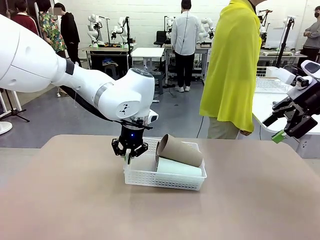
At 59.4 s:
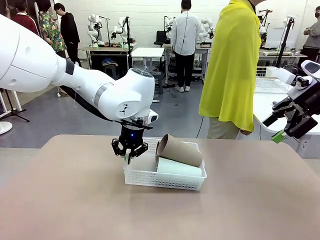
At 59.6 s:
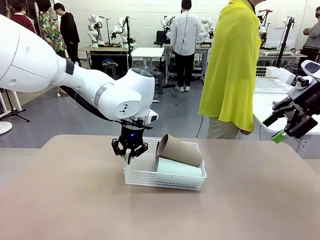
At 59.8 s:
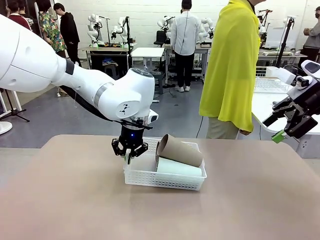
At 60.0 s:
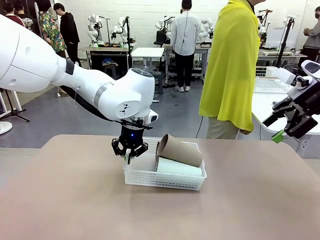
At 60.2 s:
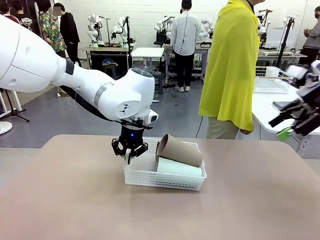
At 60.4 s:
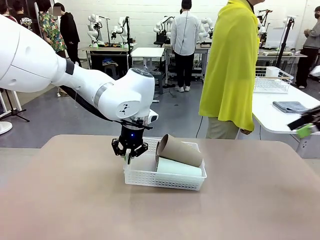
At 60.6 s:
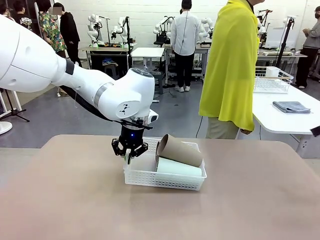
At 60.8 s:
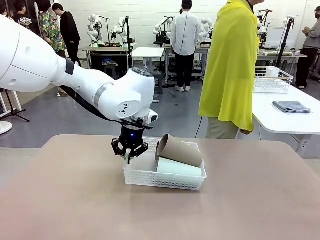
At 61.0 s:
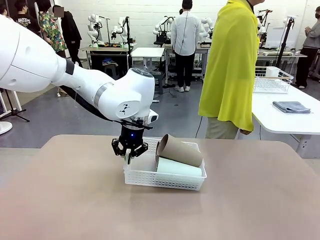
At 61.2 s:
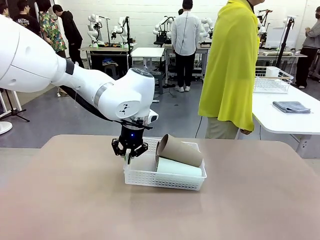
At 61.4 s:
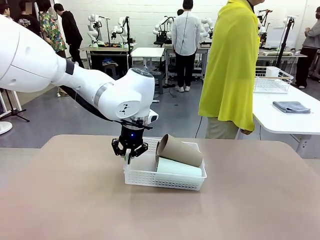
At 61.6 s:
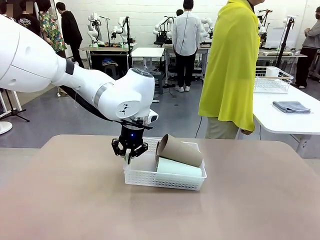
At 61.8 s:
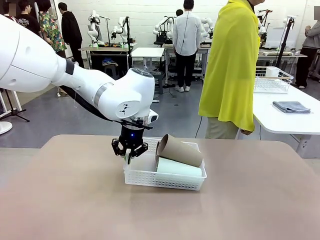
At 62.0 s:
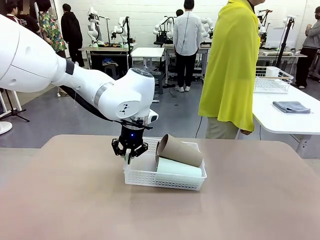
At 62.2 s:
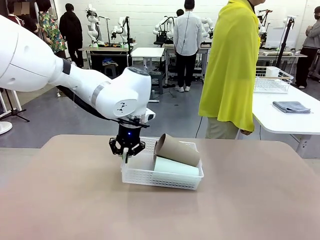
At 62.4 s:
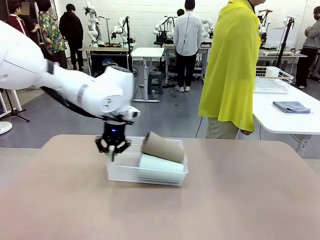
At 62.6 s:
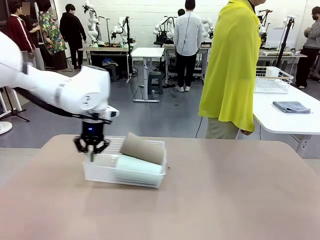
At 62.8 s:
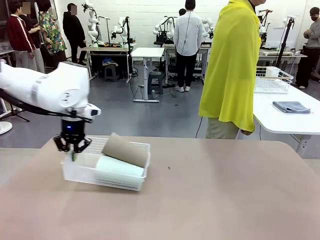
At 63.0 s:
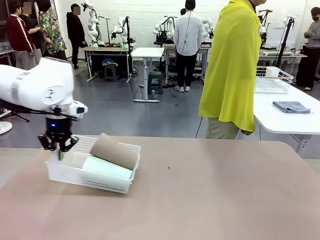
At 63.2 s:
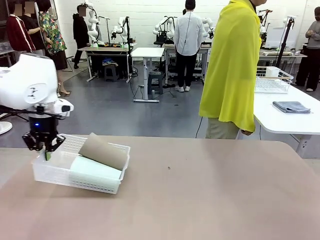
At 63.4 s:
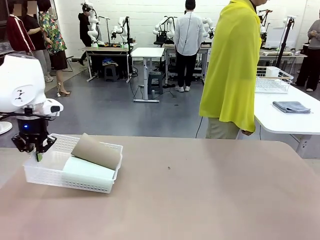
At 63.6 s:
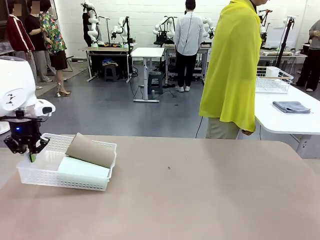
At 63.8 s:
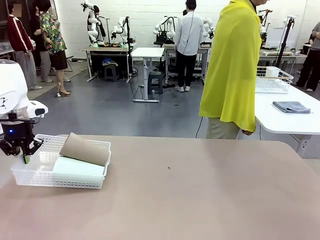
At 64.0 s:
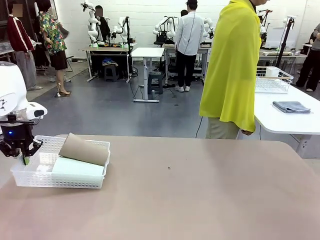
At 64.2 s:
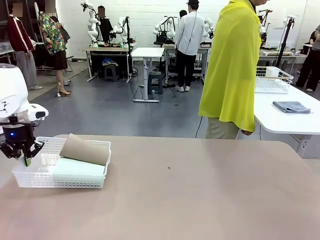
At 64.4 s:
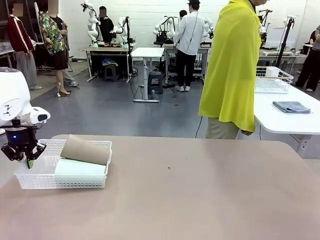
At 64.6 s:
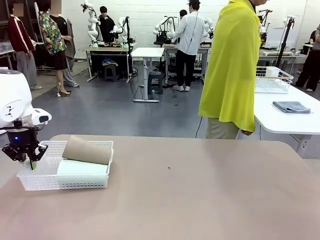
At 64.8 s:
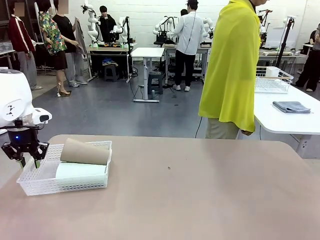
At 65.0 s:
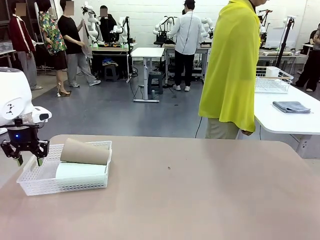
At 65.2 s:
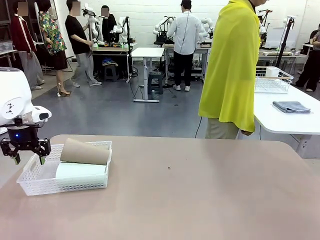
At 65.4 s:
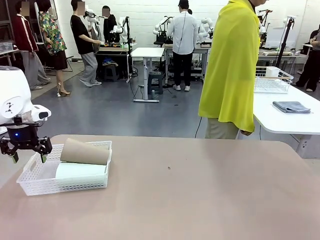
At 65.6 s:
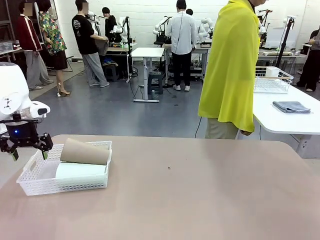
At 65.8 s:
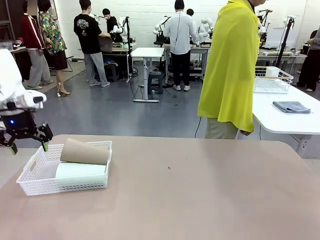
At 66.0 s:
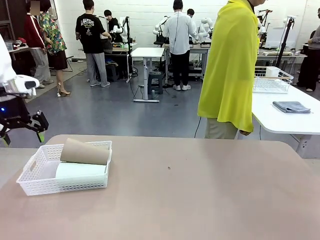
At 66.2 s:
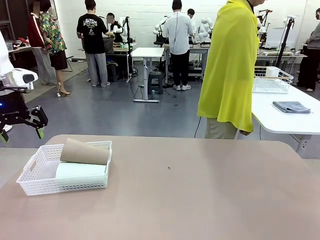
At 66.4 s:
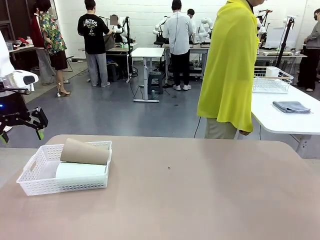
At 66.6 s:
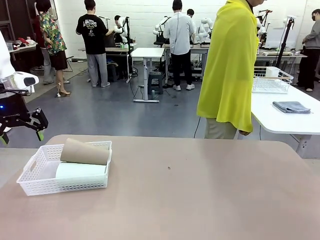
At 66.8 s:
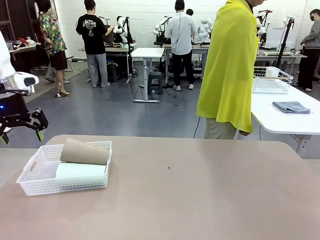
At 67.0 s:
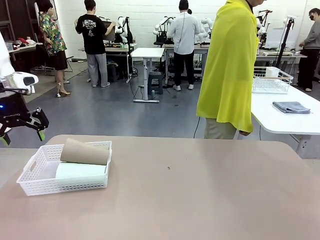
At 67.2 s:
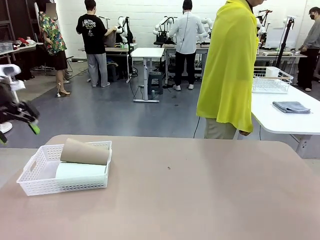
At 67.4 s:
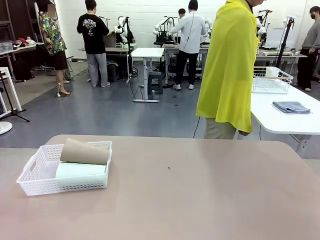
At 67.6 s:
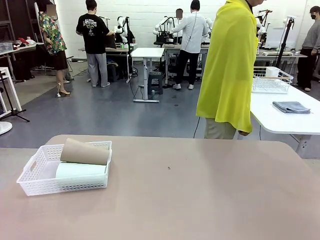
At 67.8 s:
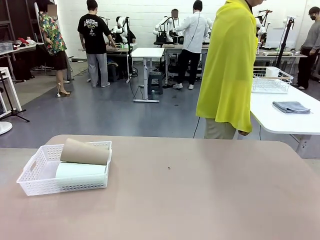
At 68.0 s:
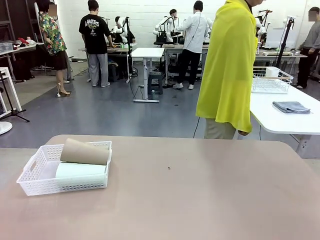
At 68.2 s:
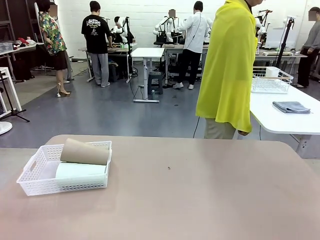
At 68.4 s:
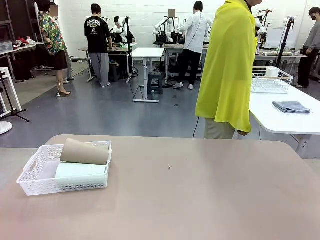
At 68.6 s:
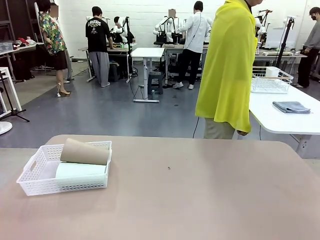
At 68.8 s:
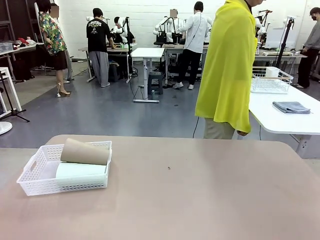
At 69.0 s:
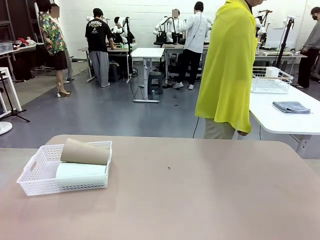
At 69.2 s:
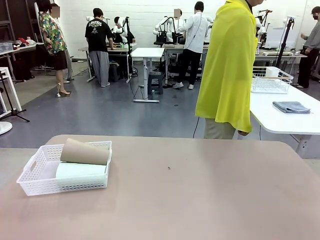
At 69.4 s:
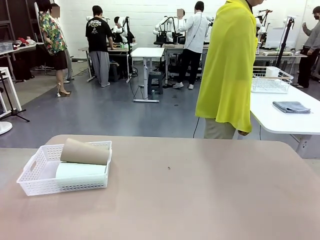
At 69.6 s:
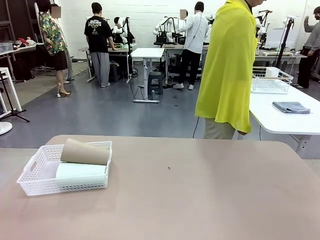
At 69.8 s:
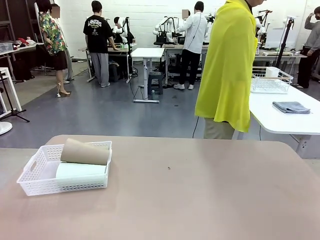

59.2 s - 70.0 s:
Task: Clean and organize the cups into the basket.
Robot: Move the Organizing basket back to the left side of the table.

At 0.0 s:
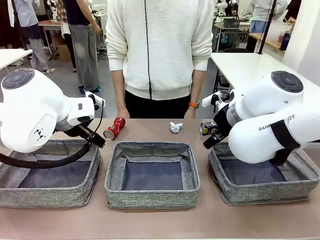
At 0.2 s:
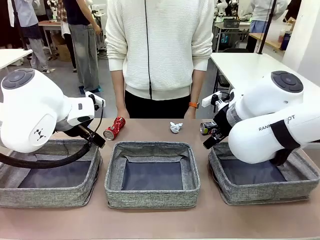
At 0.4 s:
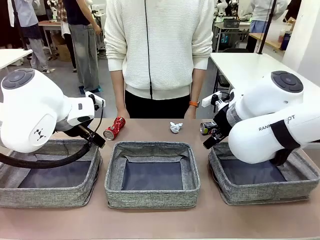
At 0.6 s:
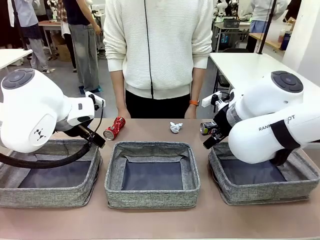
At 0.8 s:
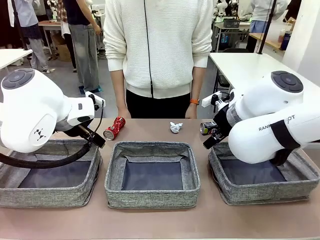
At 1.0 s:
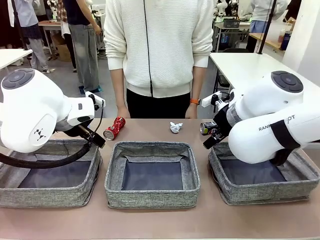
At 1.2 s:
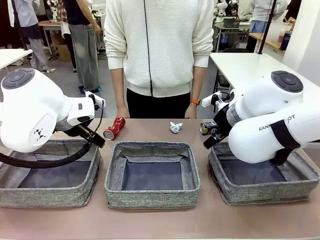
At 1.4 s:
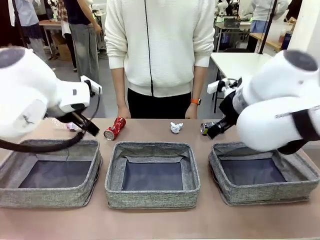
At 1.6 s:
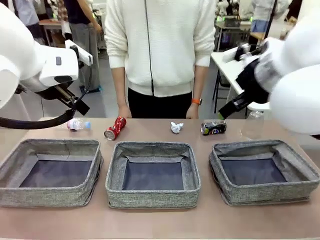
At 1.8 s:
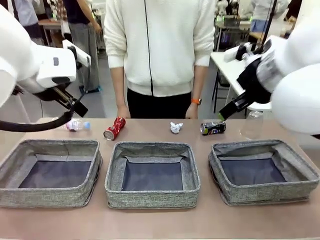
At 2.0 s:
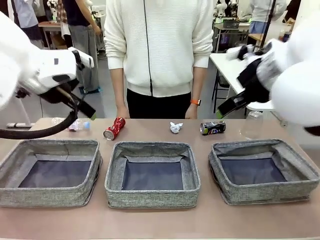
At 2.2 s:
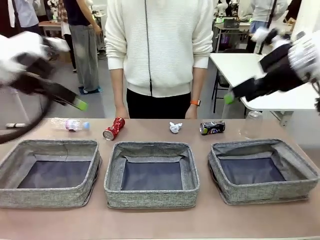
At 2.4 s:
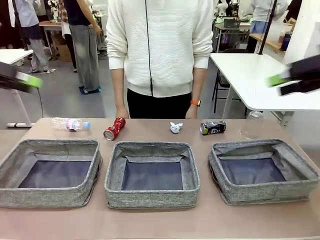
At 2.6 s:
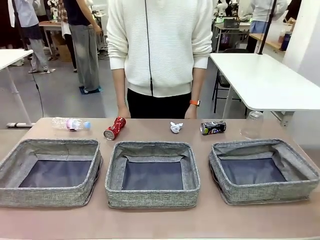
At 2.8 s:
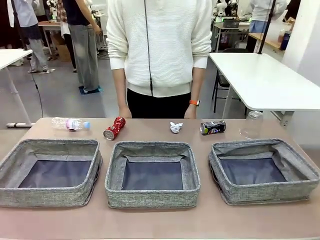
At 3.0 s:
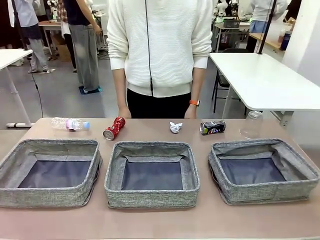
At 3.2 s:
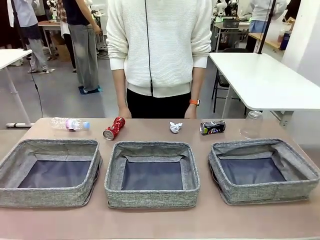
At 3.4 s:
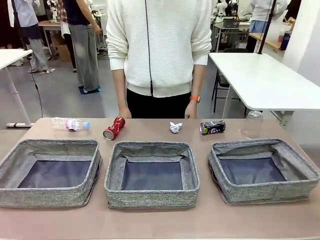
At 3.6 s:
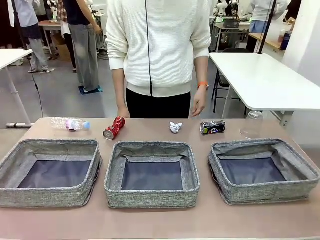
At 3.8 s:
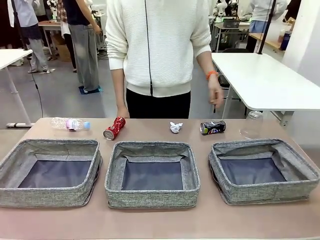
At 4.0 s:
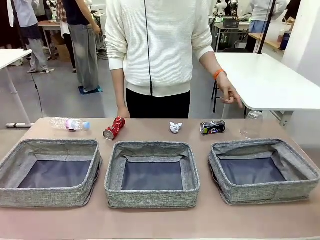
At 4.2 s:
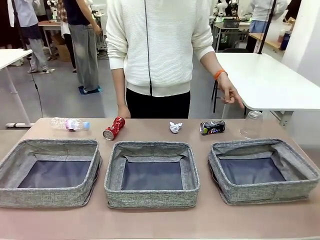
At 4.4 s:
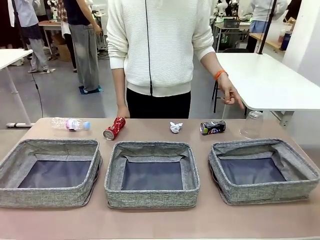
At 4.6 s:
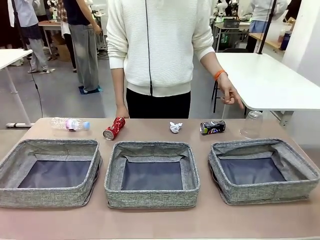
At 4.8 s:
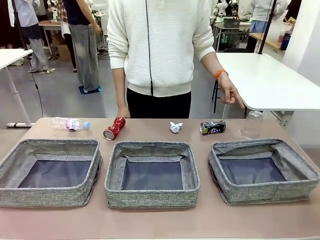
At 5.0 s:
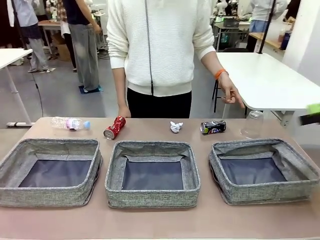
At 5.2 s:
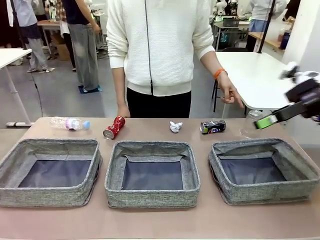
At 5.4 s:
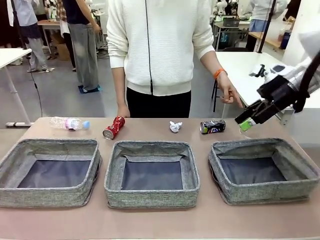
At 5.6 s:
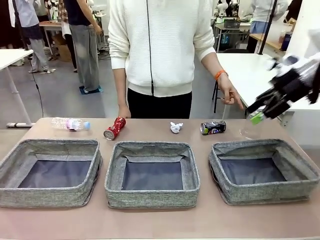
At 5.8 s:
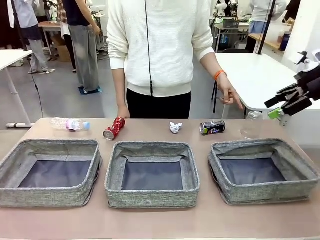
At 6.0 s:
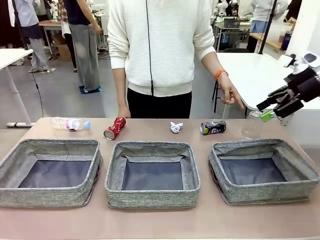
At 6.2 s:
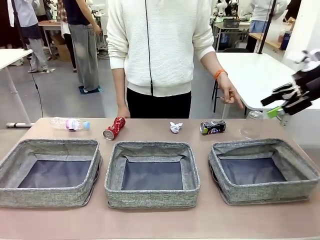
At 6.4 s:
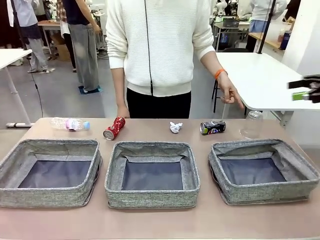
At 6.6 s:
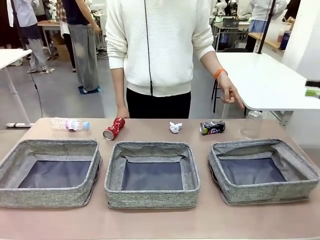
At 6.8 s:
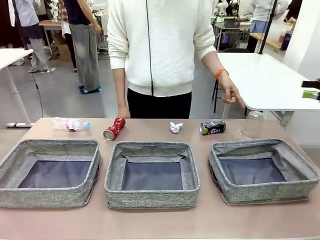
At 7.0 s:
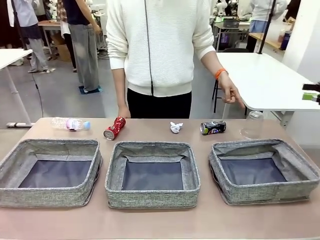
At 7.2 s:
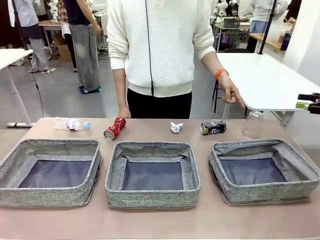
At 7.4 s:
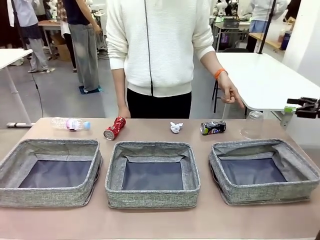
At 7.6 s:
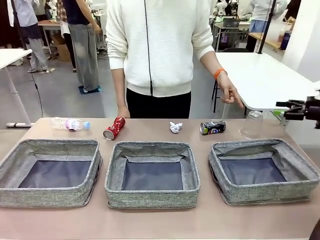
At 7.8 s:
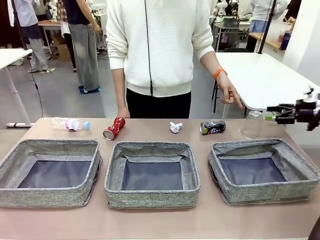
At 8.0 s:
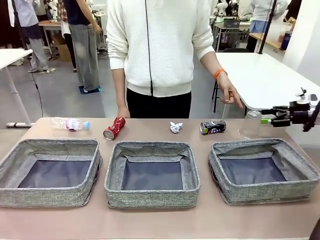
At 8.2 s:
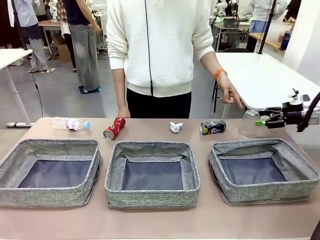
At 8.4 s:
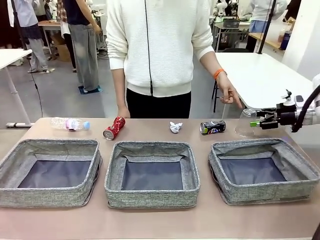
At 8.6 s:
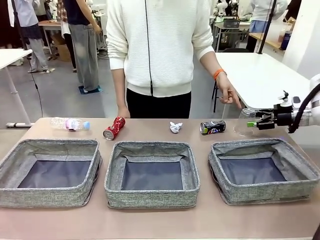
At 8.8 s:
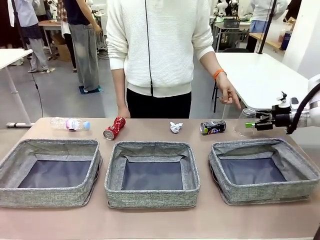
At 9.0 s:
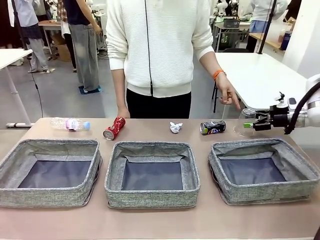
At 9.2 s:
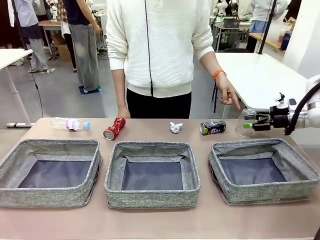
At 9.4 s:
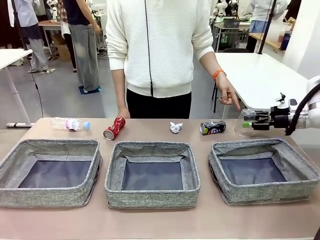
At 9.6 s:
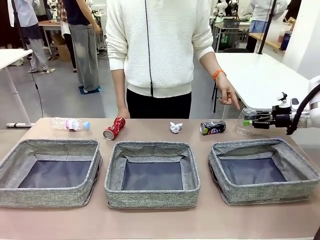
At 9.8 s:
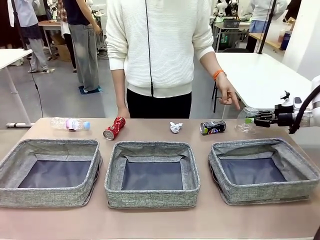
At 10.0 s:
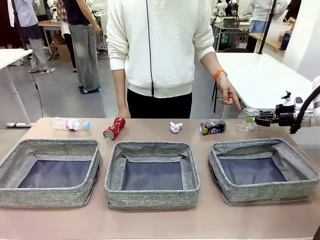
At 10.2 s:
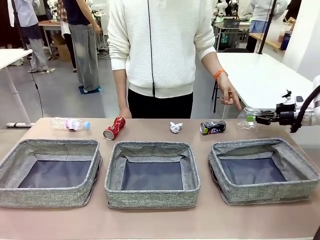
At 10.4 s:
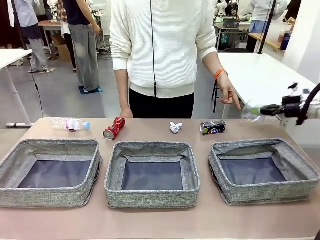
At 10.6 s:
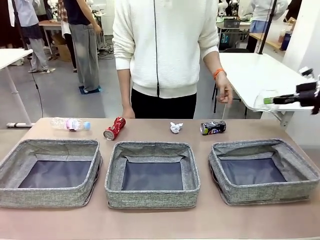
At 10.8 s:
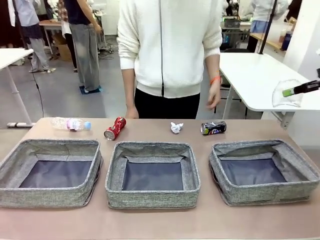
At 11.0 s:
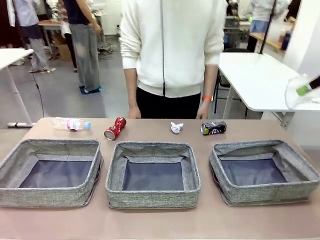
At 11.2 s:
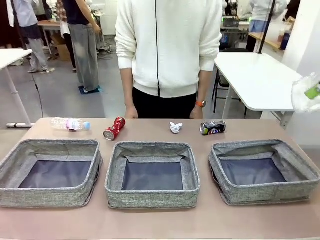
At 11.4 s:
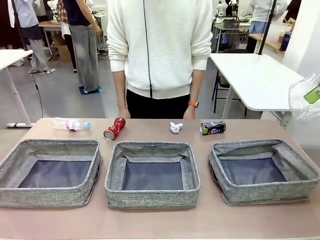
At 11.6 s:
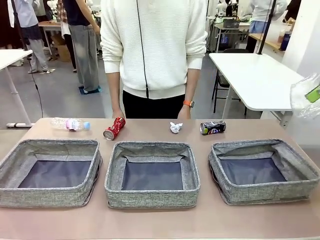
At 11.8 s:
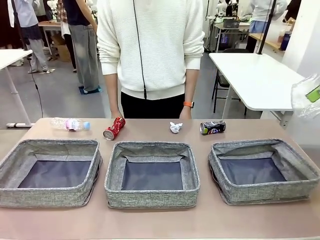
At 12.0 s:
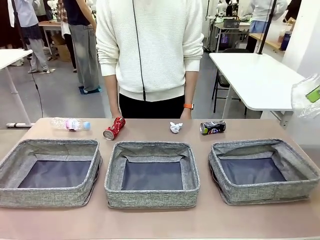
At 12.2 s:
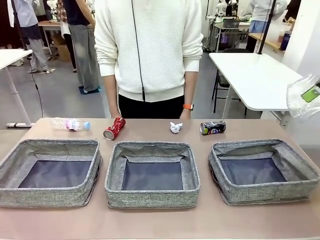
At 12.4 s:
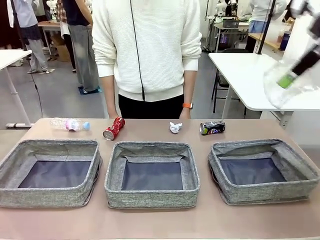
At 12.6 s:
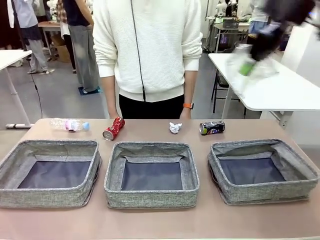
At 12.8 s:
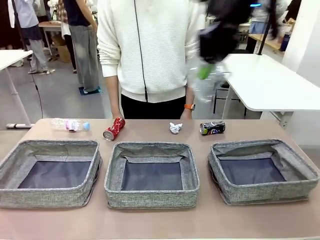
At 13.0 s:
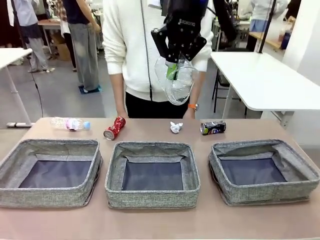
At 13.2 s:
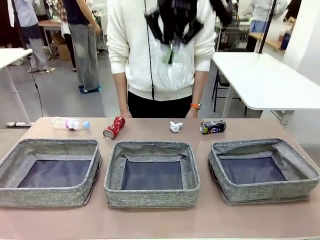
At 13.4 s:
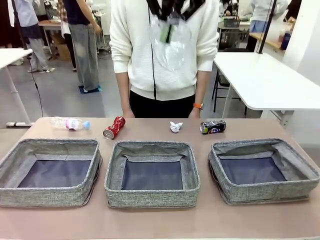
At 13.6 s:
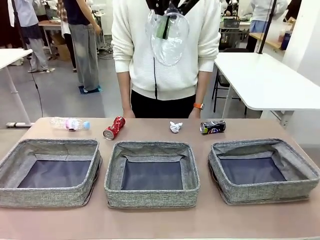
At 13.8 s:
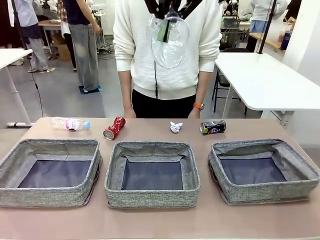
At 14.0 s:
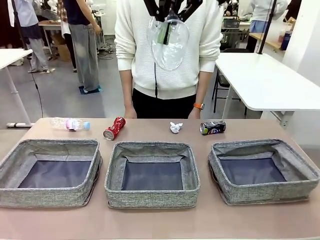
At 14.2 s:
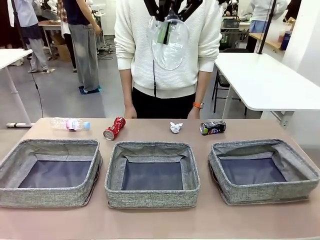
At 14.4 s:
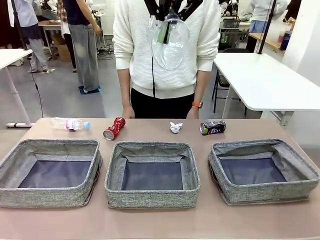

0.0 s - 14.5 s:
Task: Sort the waste into the appropriate baskets.
Robot: Pick up the waste item pointed out by the person.
Person: Points to one piece of trash on the table.
